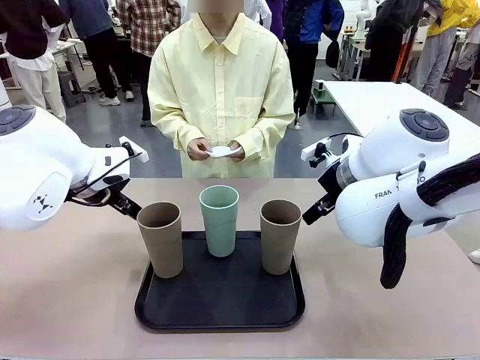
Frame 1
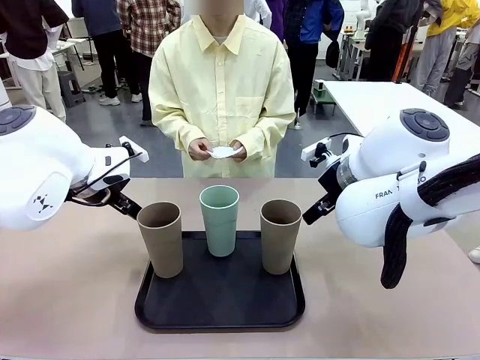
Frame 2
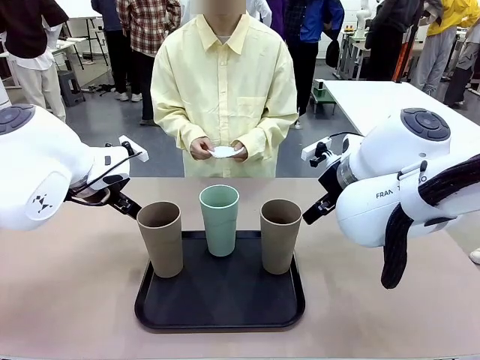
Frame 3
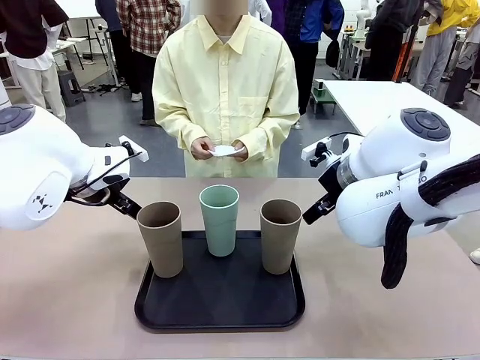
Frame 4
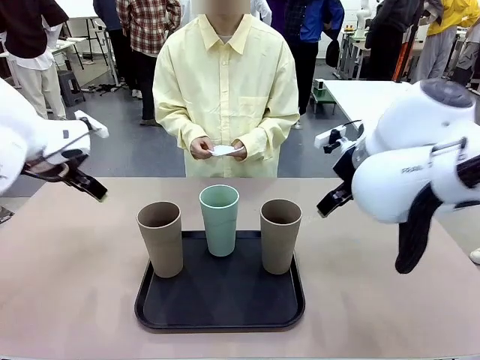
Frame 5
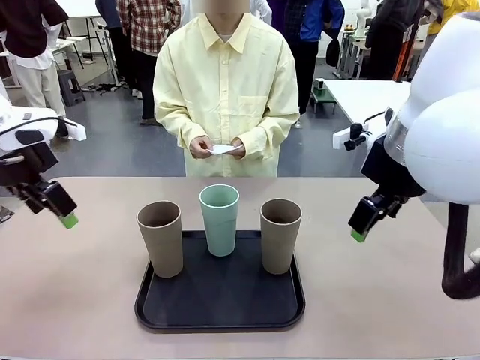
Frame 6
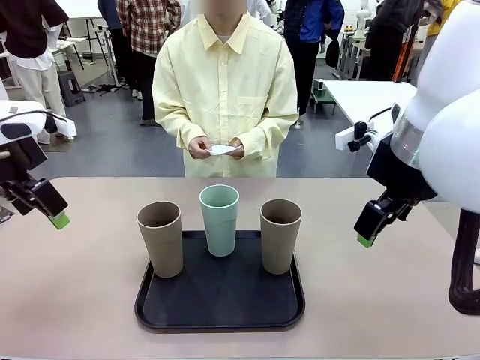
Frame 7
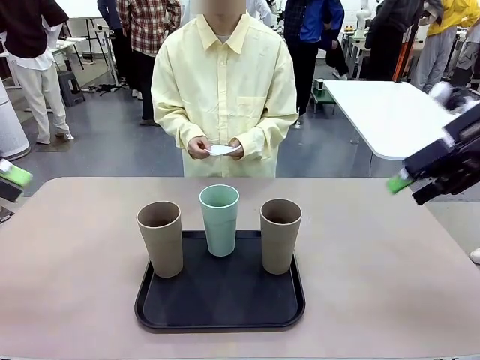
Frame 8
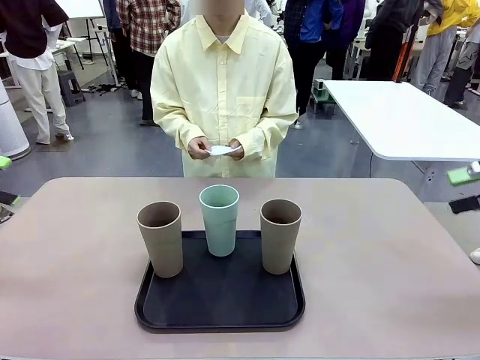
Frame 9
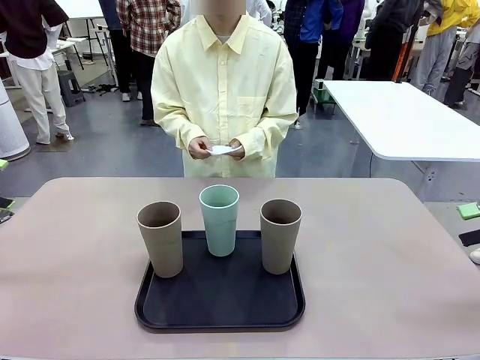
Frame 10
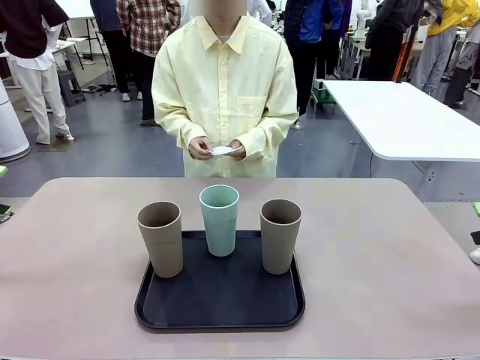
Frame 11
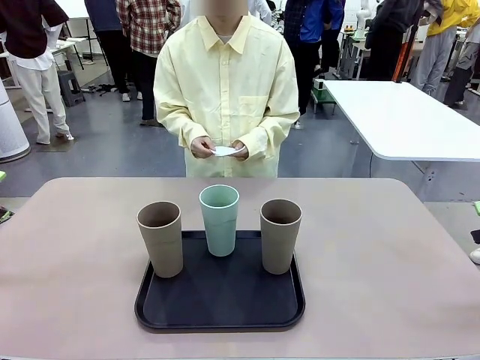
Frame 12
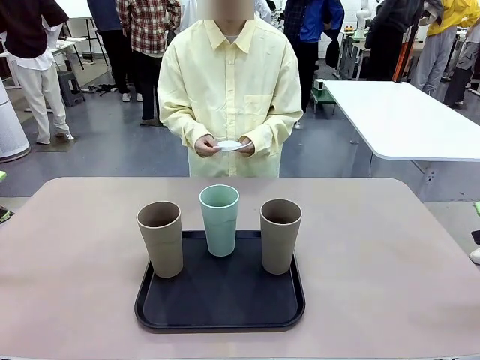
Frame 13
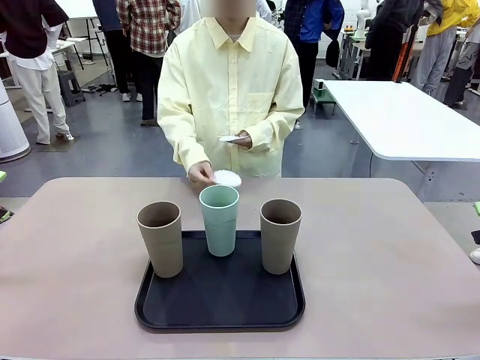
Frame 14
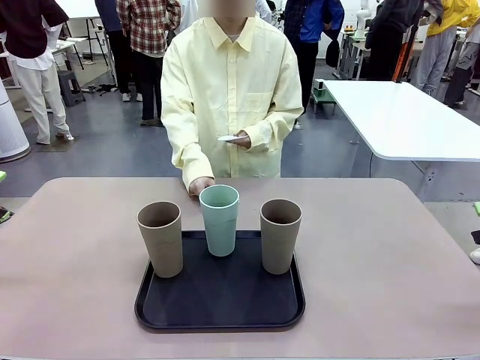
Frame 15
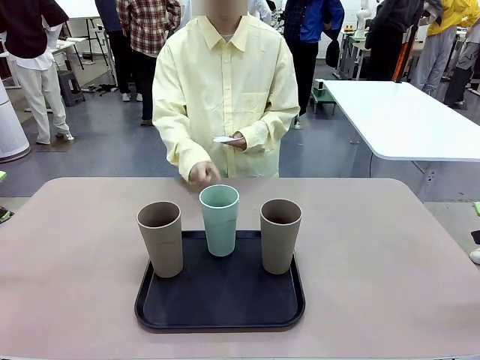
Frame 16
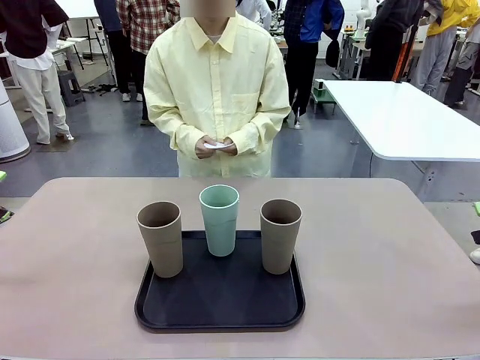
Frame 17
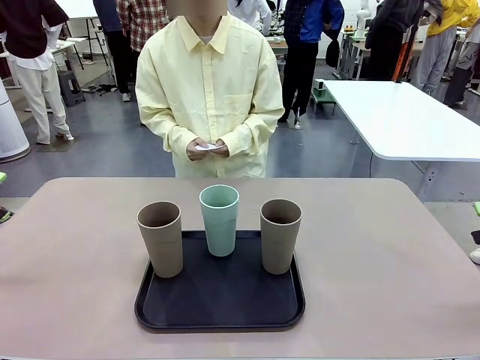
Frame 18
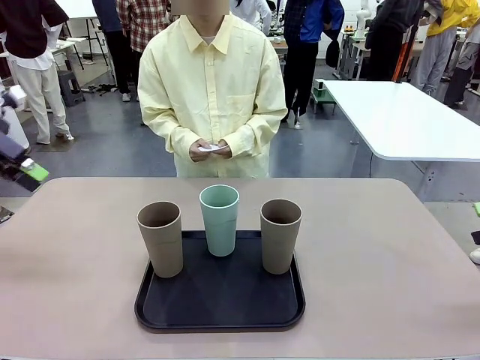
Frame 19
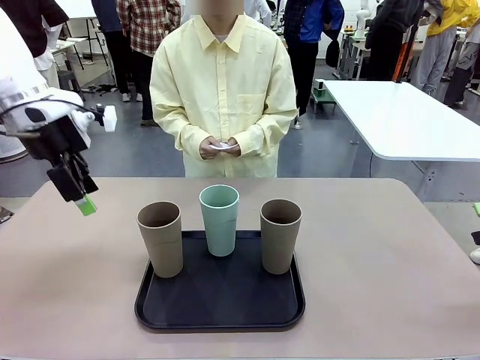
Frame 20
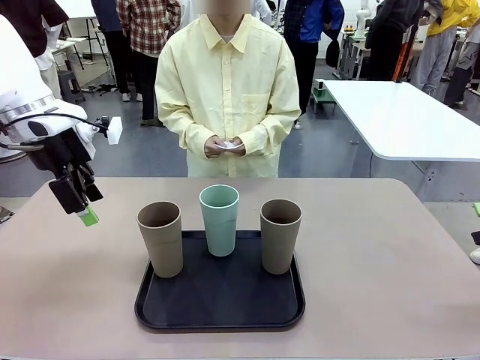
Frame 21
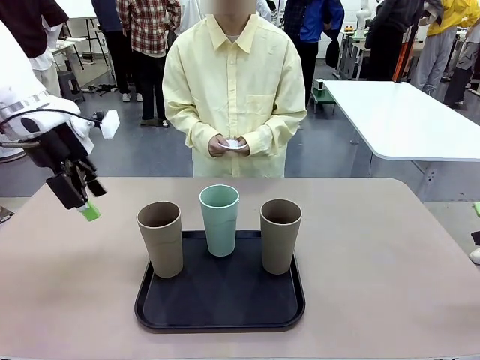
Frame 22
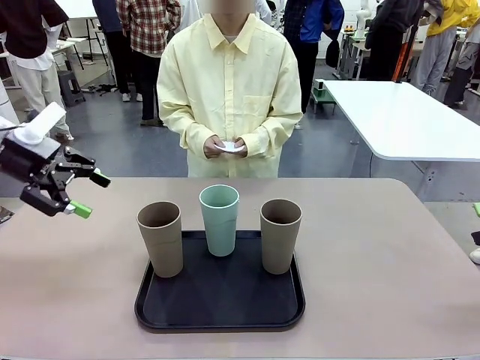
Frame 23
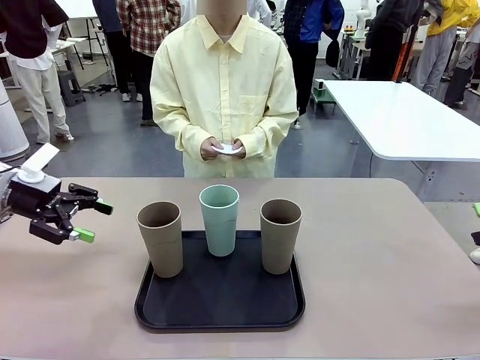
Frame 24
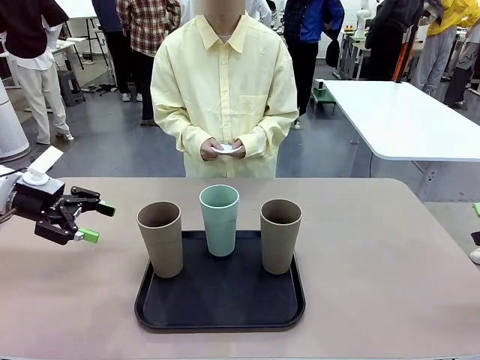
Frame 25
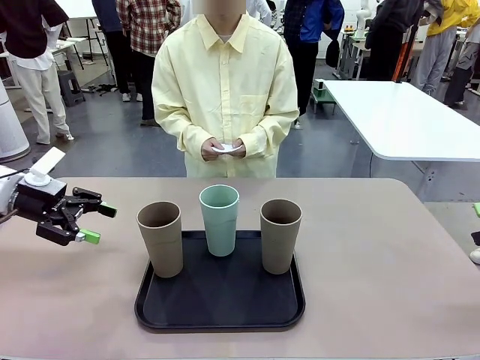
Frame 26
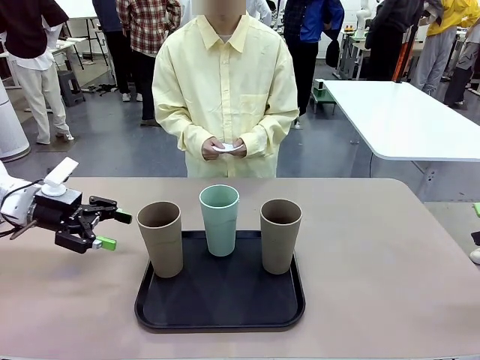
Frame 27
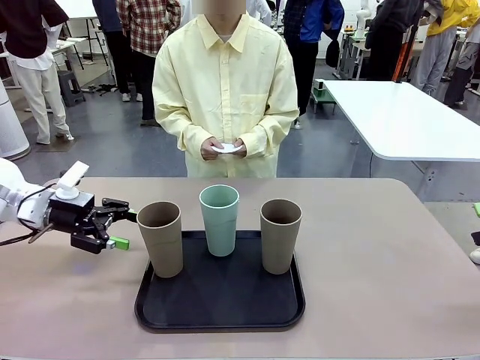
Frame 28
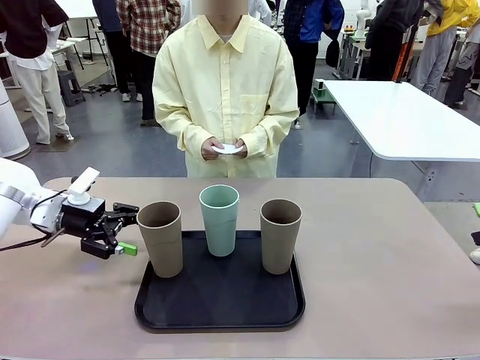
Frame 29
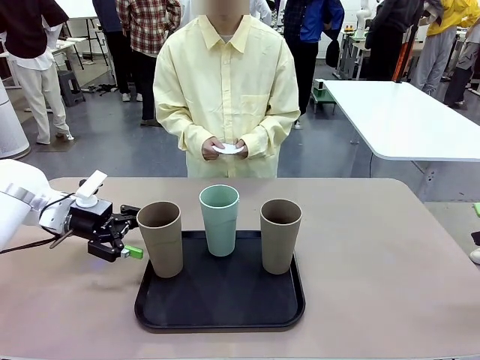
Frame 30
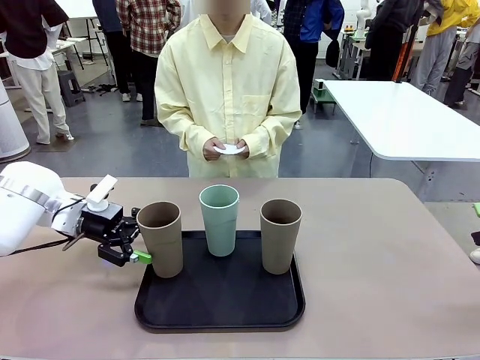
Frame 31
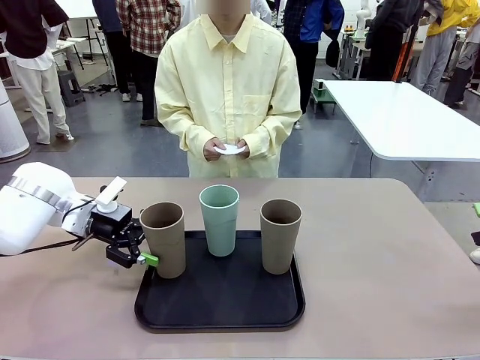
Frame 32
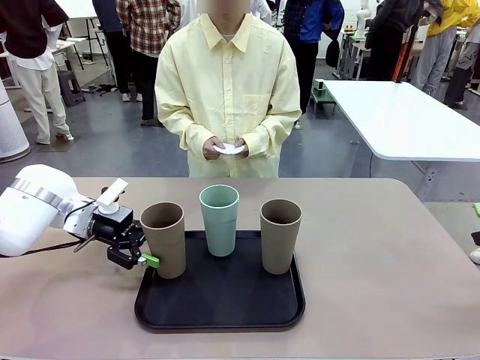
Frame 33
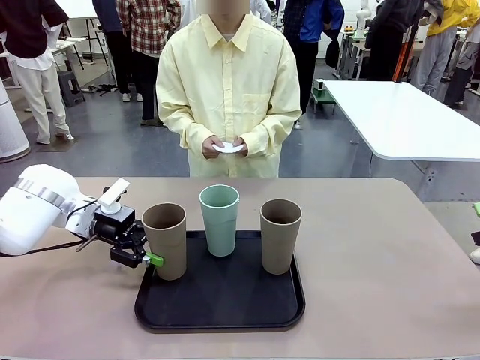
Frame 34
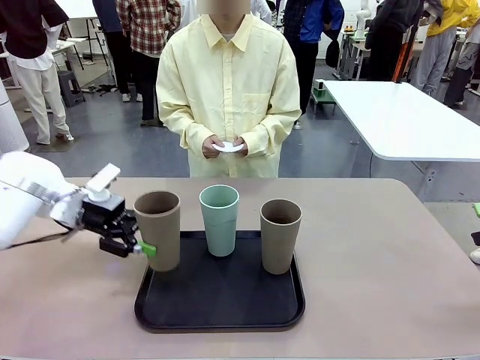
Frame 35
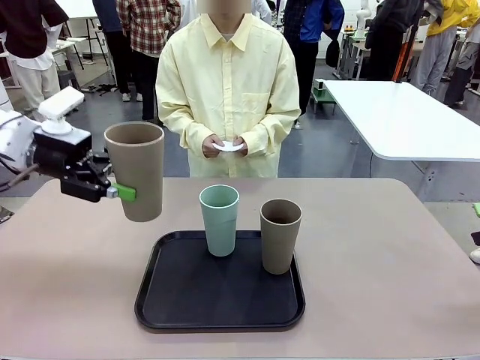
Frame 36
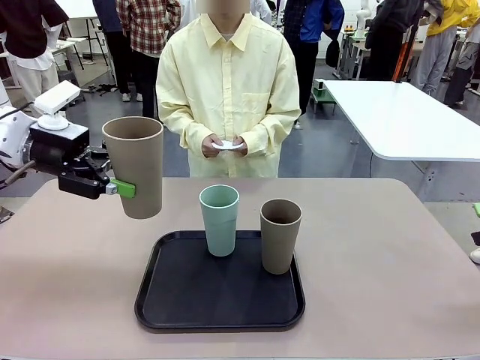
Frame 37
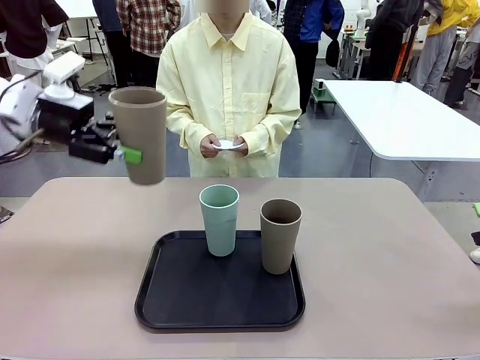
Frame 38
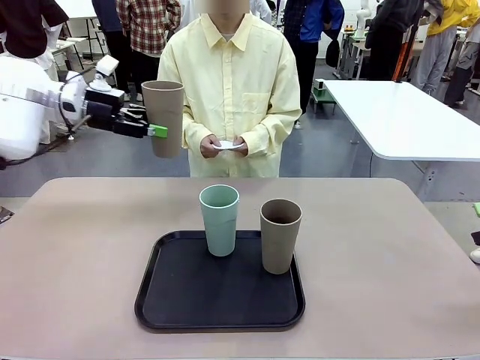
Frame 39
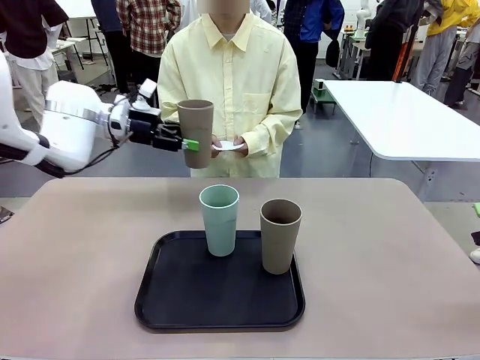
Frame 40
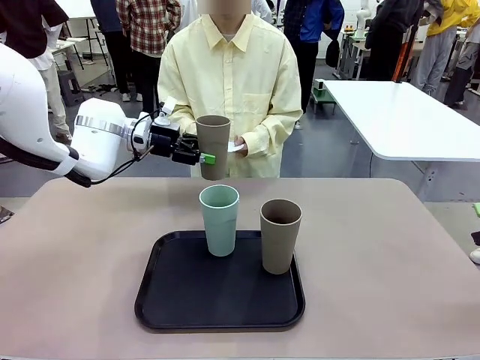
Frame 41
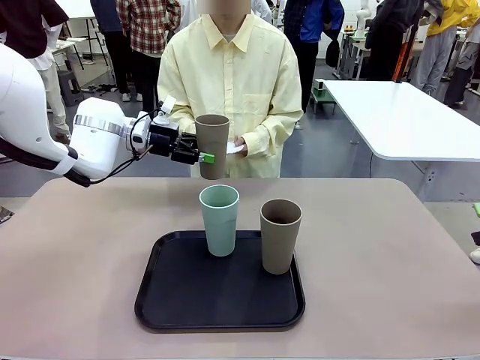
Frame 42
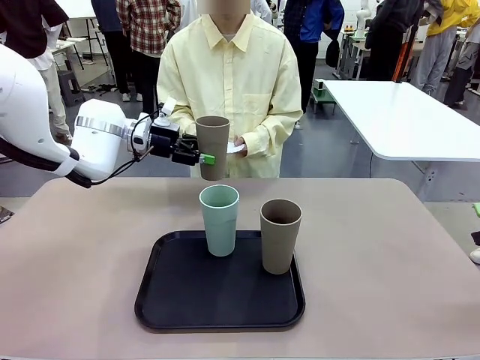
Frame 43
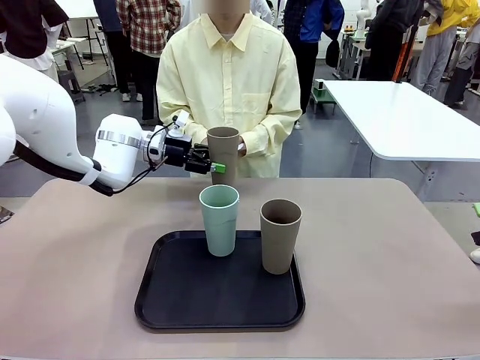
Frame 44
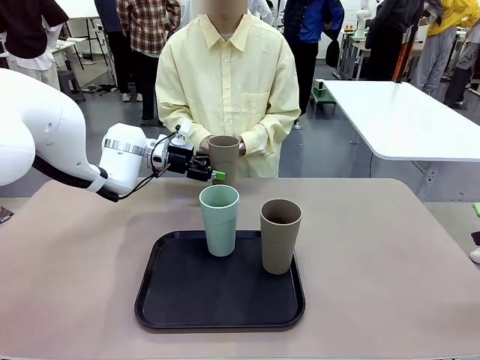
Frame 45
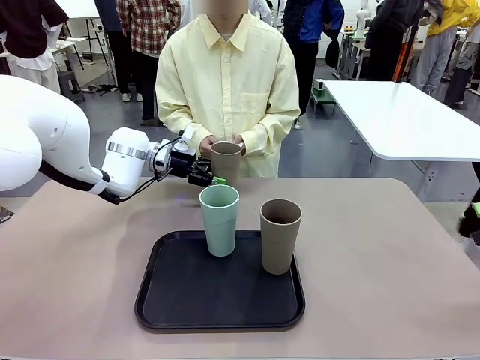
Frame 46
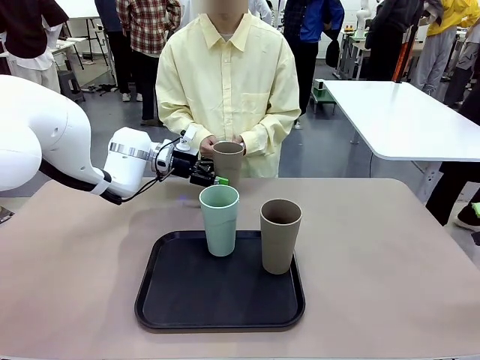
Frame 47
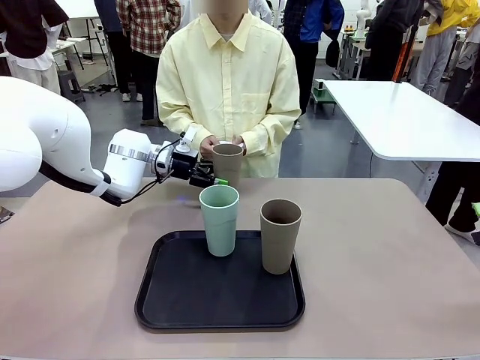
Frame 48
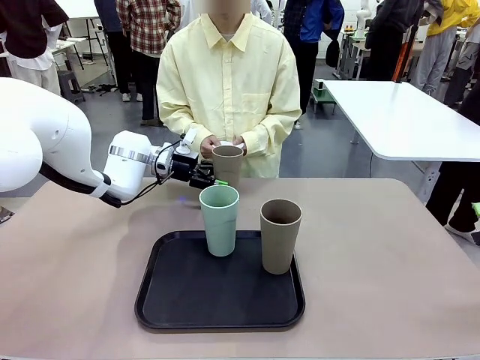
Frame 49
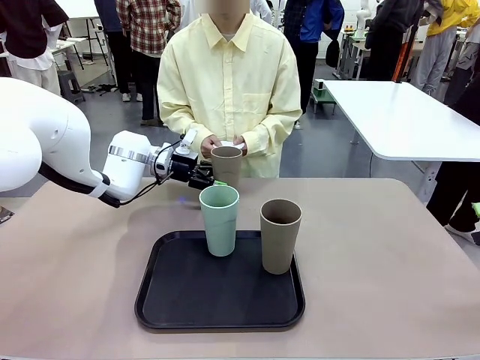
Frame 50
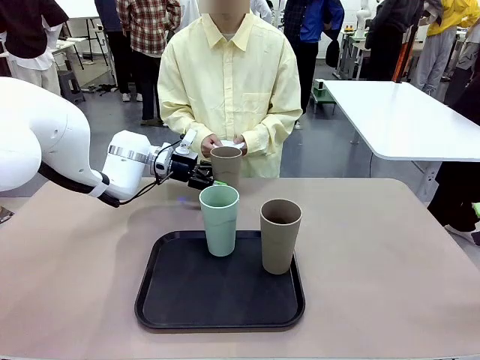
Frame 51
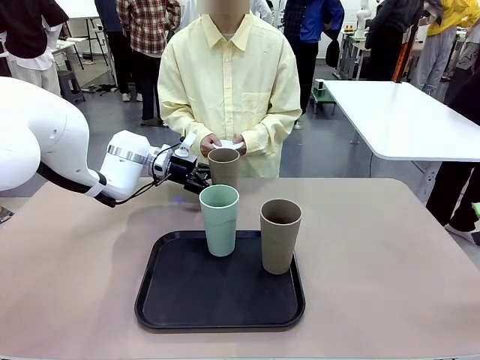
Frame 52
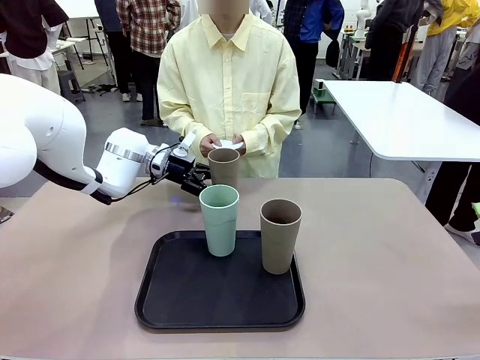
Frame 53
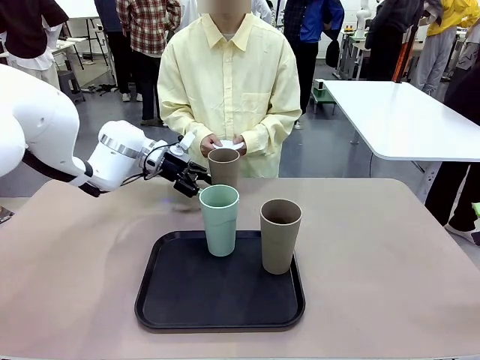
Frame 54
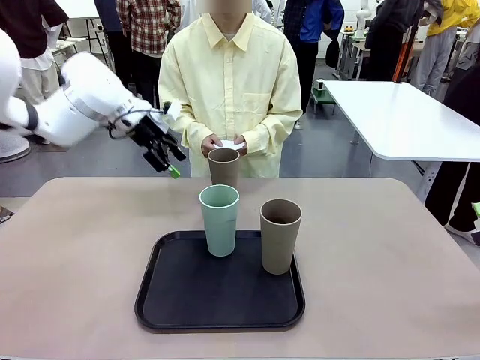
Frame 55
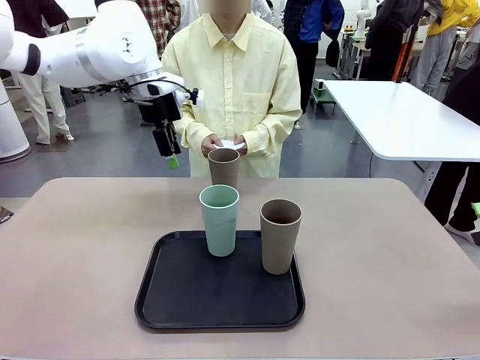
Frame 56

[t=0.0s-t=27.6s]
Task: Place coasters on the table and set cups on them.
Robot: Pick up one Reusable plastic cup and place it on a coaster set by the human.
Person: Place one coaster in any one of the three lower areas of the robot table (left, center, or right). Place one coaster in one of the two areas excluding the previously selected area.
